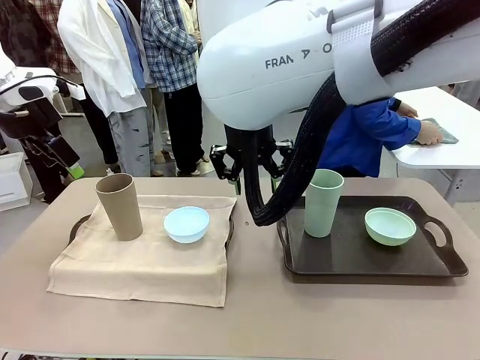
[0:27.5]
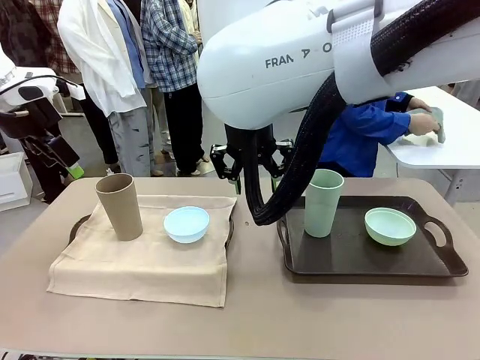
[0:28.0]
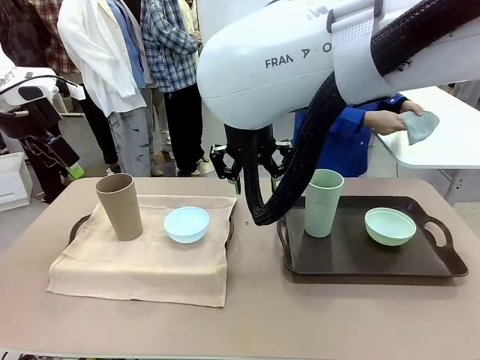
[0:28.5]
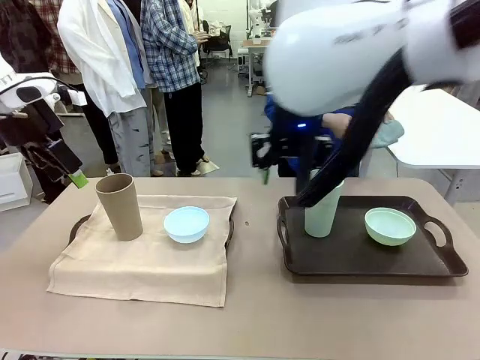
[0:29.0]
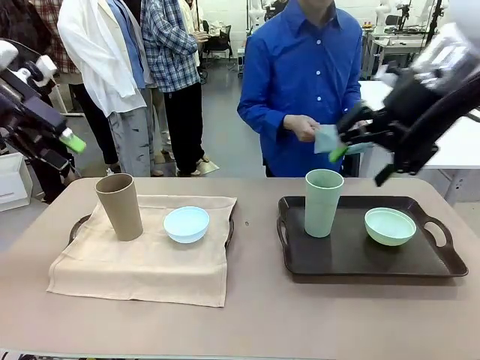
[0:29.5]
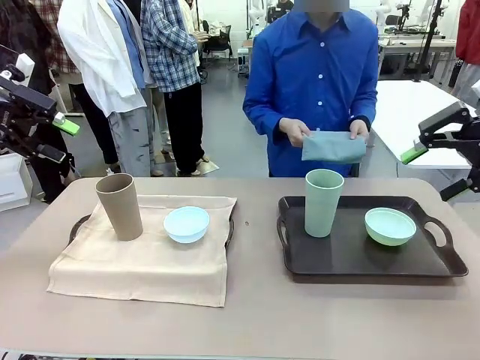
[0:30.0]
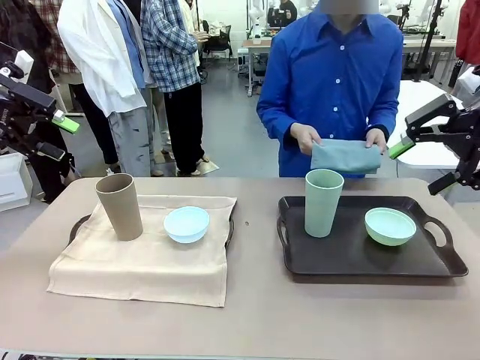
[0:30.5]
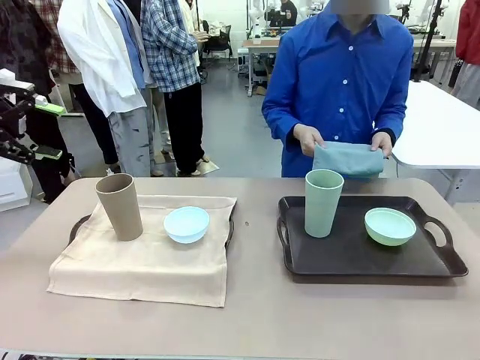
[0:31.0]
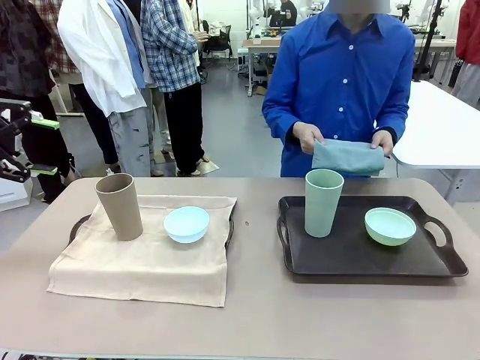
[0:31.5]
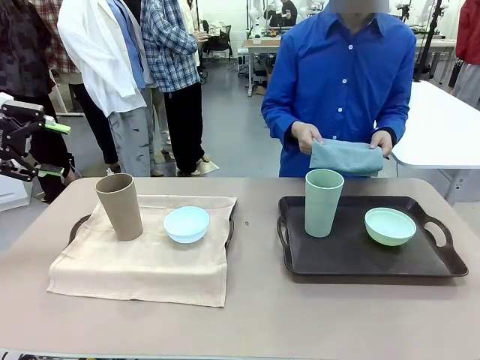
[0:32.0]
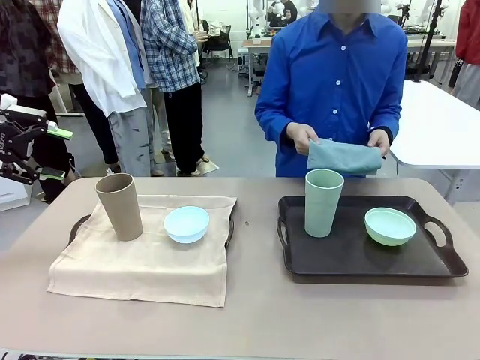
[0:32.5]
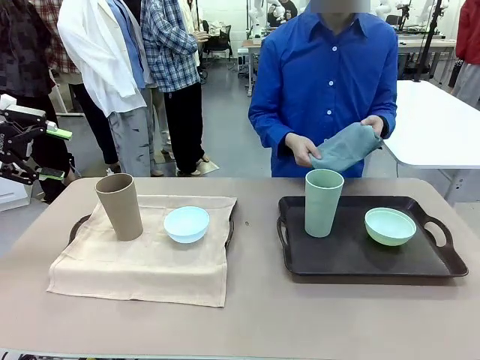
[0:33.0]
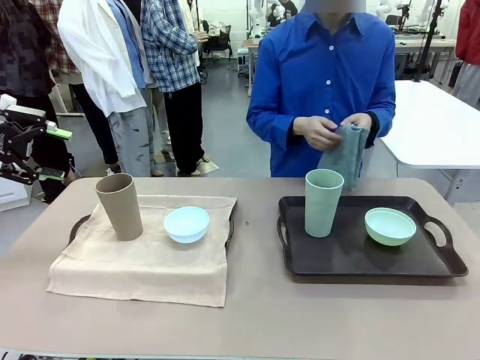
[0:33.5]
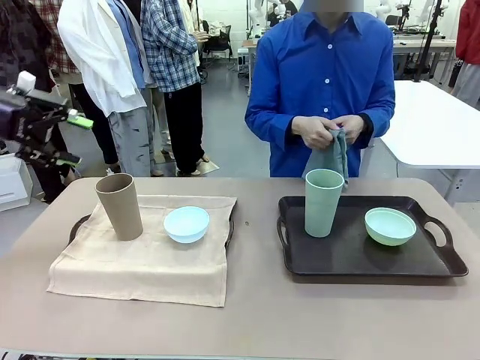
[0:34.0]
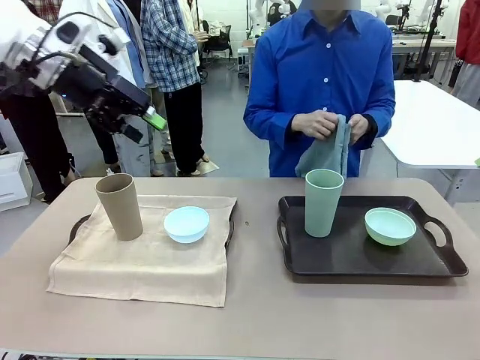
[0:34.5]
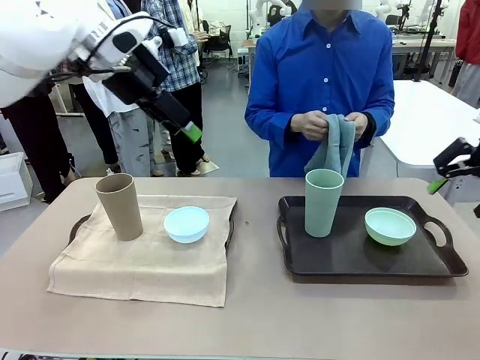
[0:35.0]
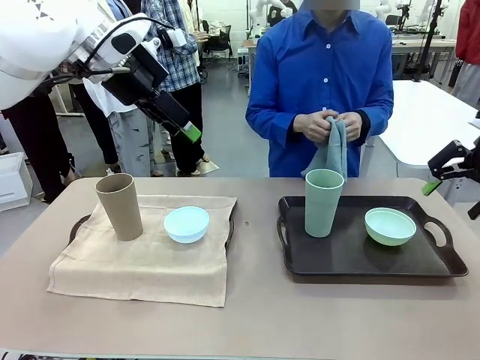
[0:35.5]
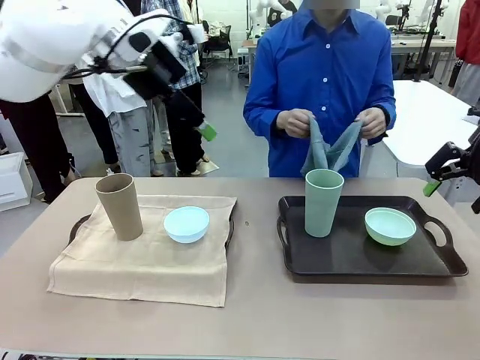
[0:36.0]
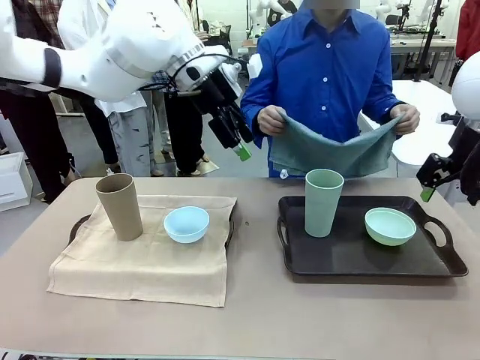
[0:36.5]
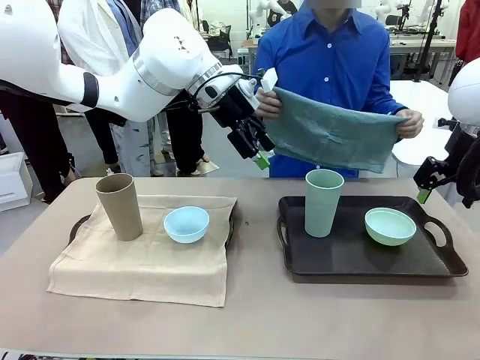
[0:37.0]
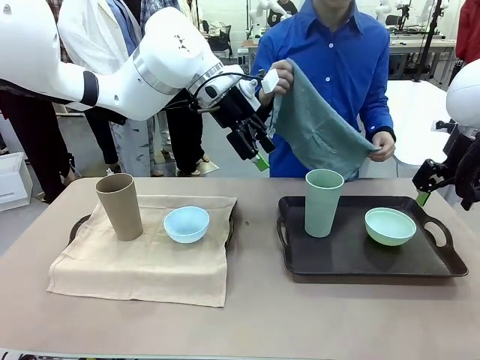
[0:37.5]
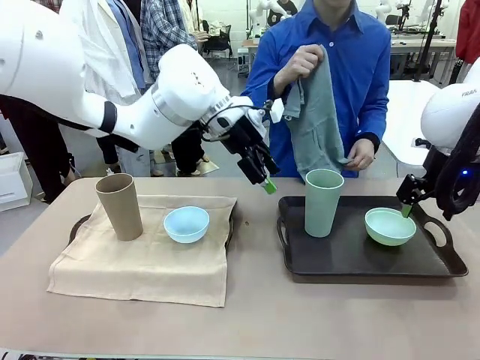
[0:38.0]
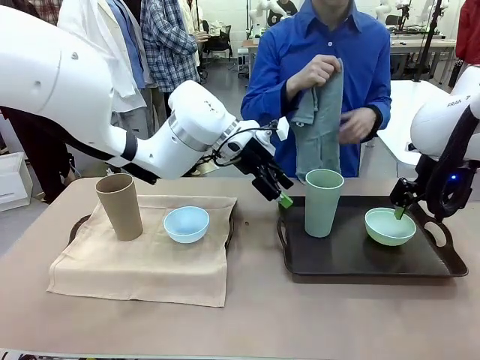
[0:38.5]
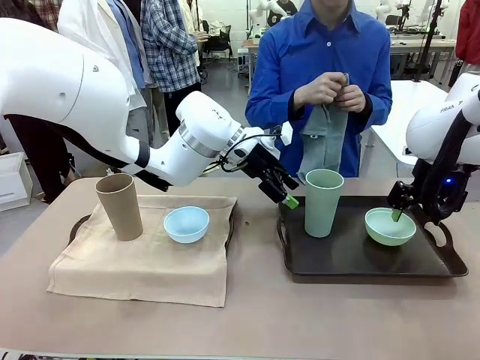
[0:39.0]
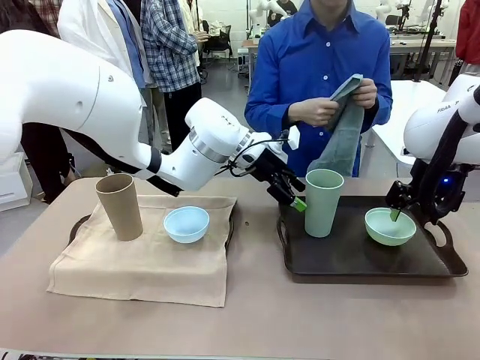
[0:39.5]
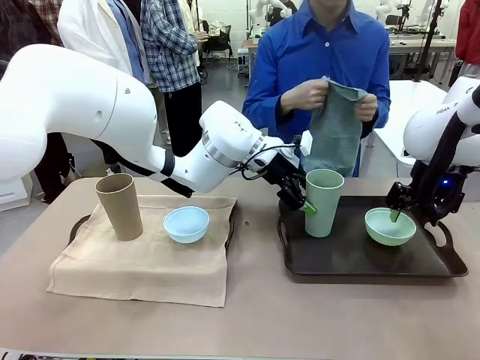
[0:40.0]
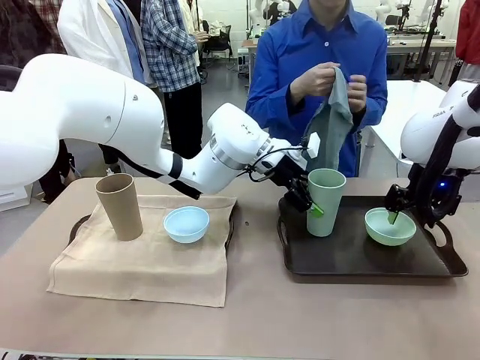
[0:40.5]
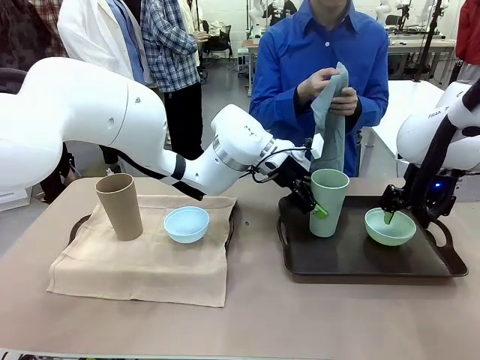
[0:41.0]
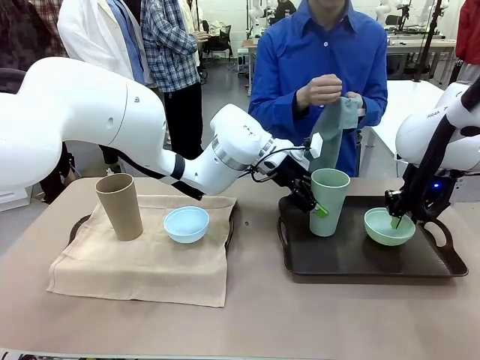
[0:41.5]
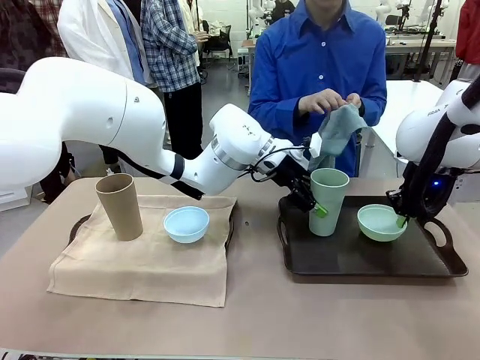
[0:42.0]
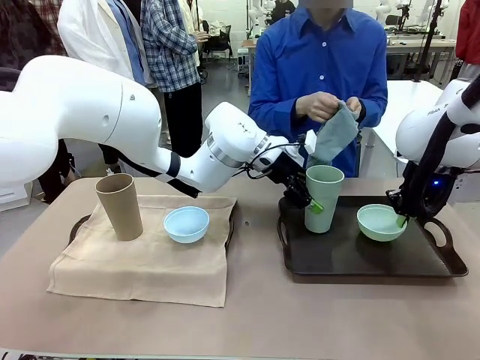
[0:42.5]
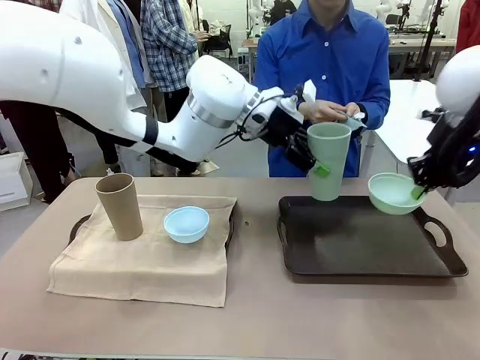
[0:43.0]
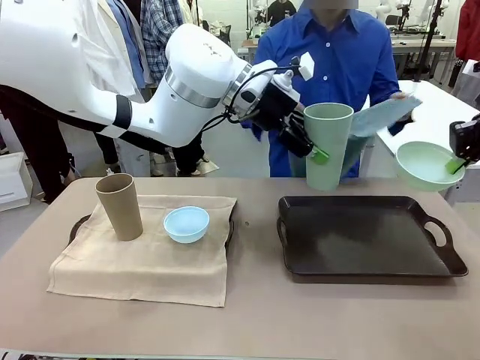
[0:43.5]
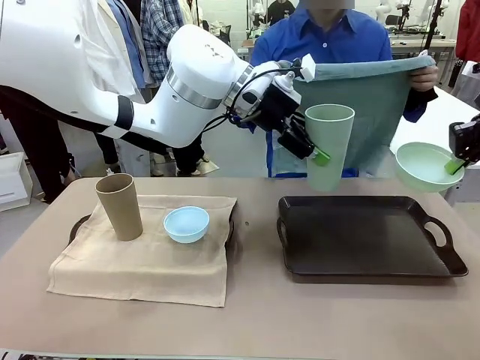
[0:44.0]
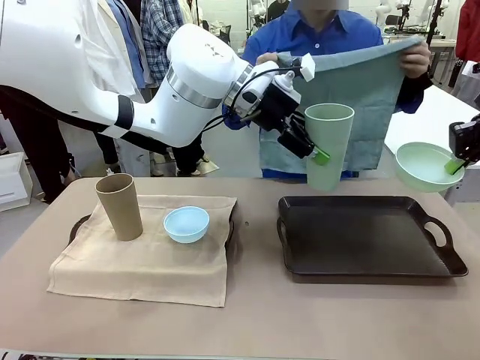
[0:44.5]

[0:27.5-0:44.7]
Robot: Pick up the Picnic Bowl and Reusable plastic cup from the Handle tray in front of the human's position and hold them in the air.

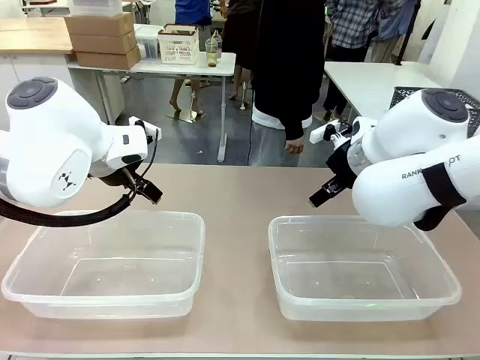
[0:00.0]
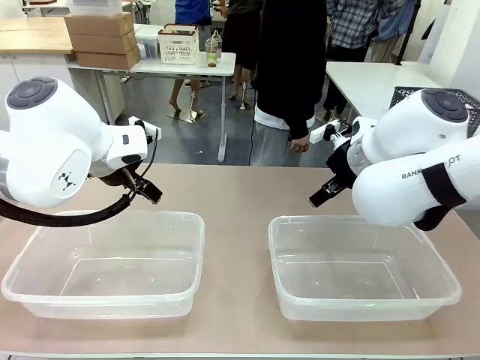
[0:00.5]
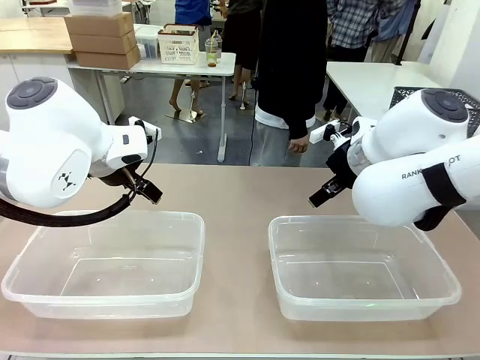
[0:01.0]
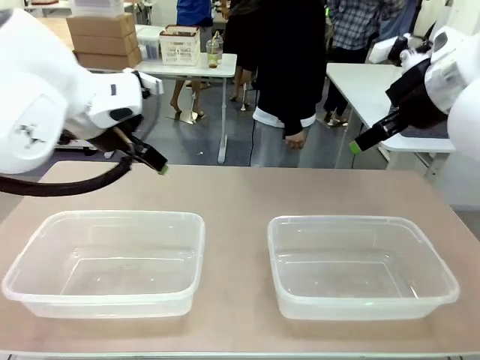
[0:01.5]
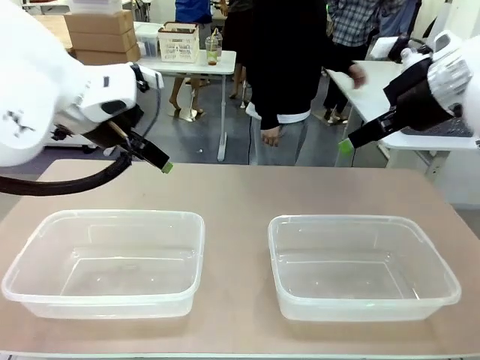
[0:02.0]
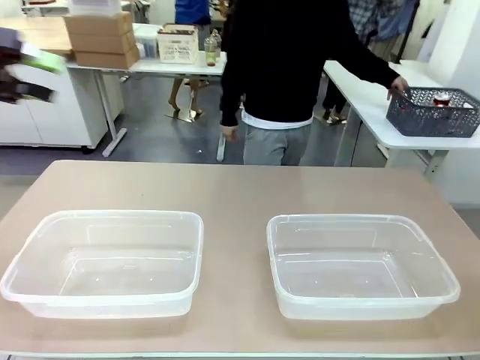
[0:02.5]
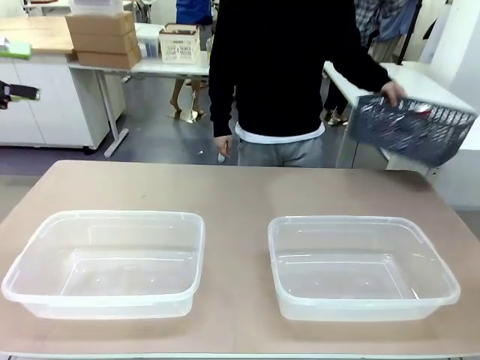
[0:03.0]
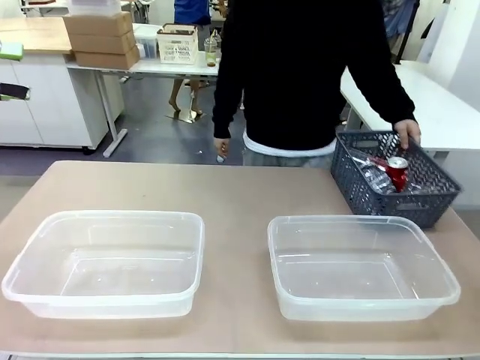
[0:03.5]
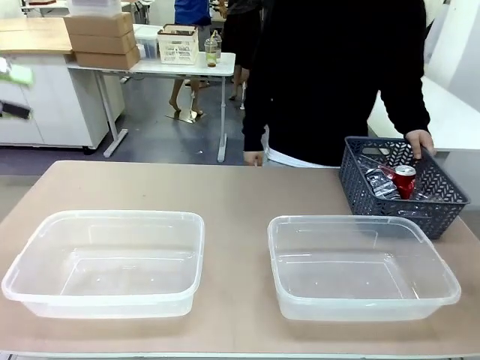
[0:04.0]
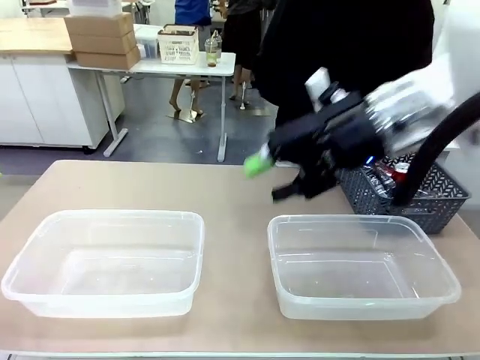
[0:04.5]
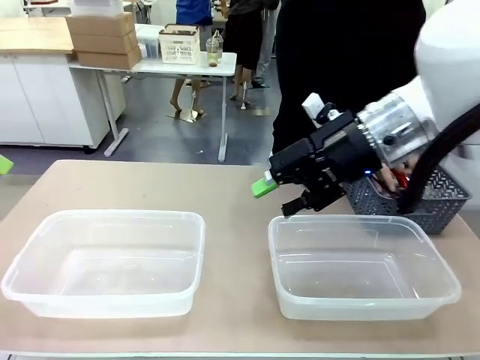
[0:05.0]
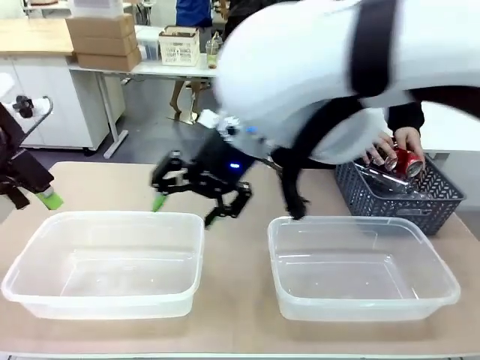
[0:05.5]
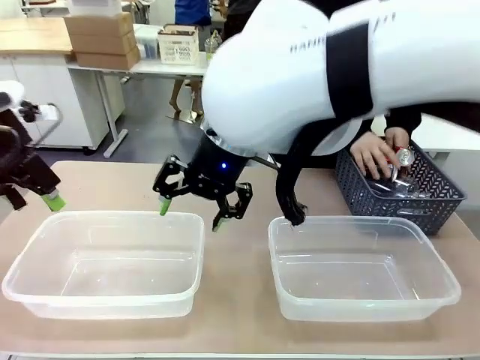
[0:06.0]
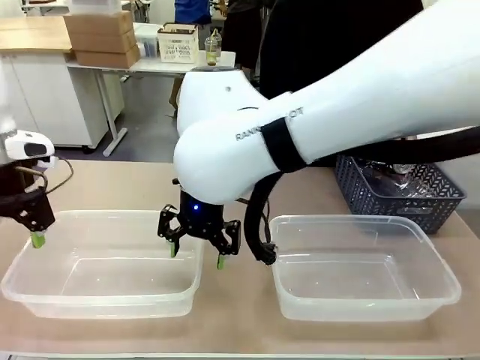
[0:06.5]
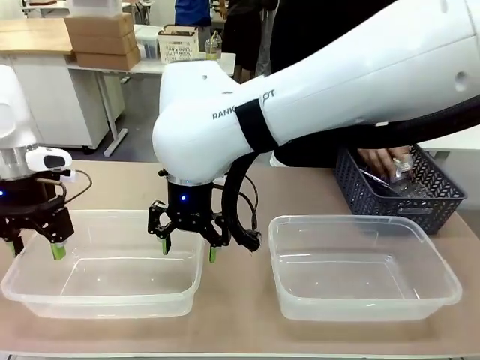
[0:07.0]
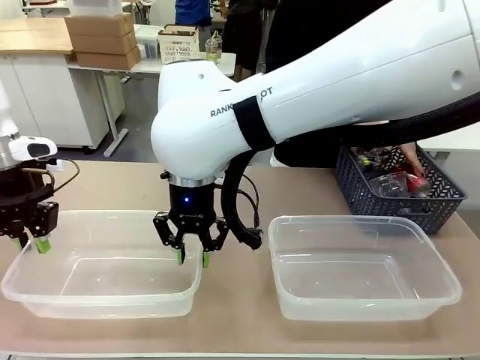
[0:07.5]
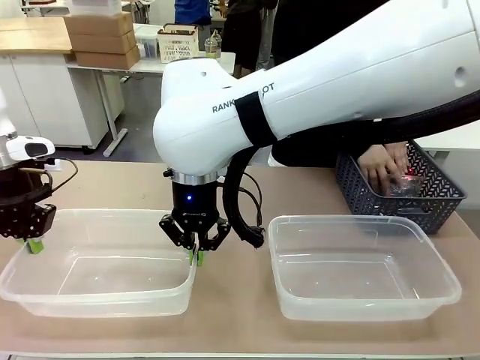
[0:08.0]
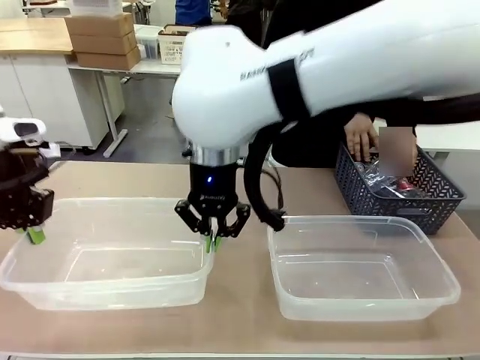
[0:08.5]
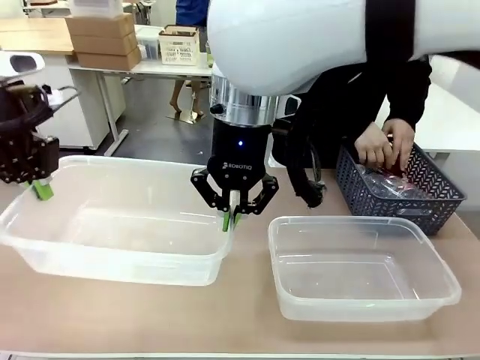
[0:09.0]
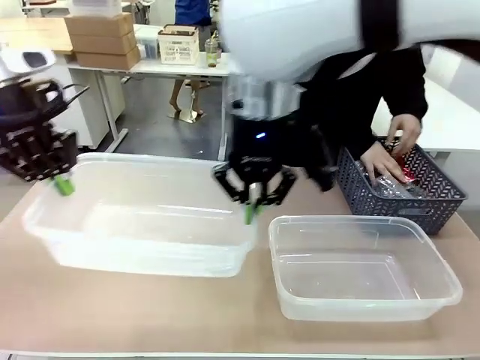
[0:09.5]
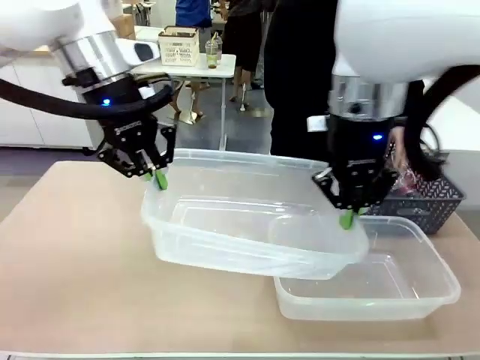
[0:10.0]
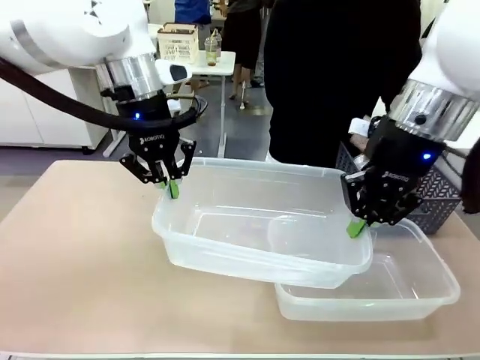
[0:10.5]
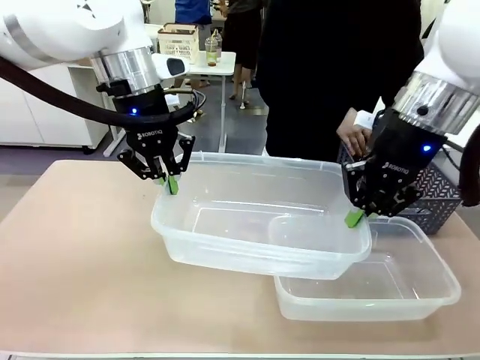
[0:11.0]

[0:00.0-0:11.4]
Robot: Pick up the Organizing box on the left side of the table and lift it.
Person: Pick up the storage basket and place it on the left side of the robot table. Pick up can-shaped waste one by one and place it into the organizing box lifted by the robot.
